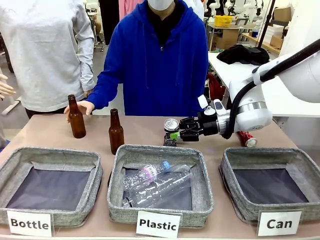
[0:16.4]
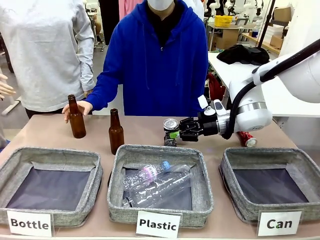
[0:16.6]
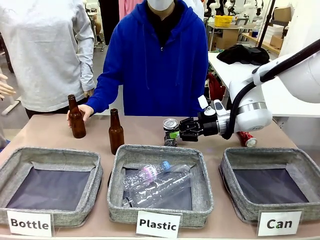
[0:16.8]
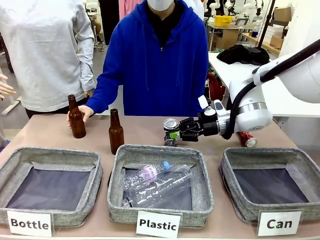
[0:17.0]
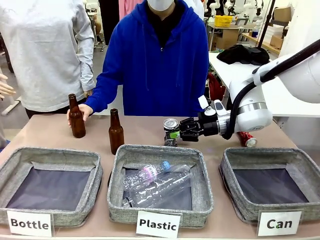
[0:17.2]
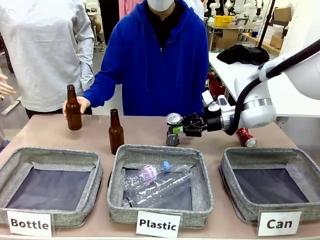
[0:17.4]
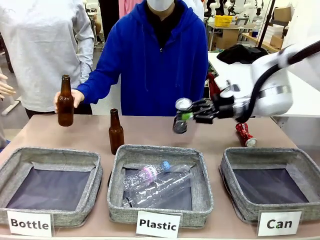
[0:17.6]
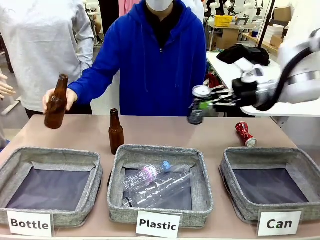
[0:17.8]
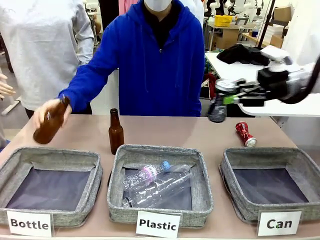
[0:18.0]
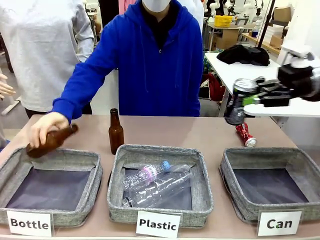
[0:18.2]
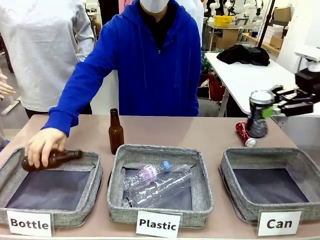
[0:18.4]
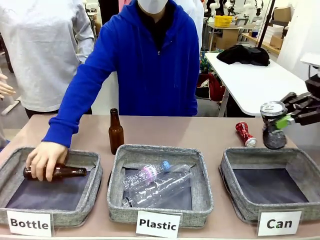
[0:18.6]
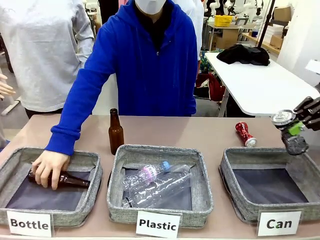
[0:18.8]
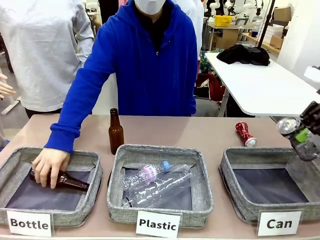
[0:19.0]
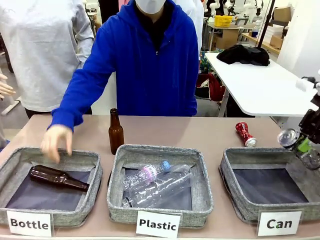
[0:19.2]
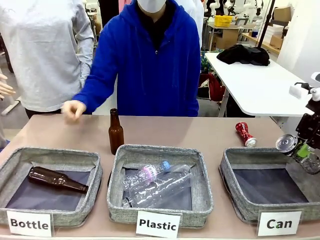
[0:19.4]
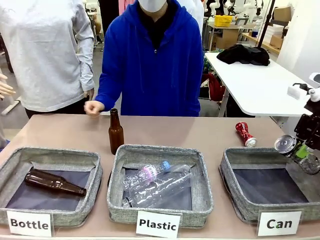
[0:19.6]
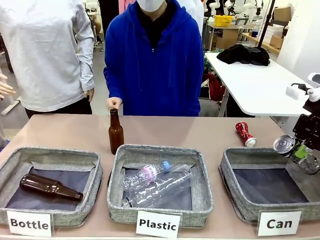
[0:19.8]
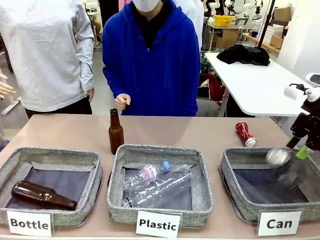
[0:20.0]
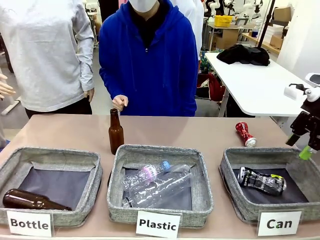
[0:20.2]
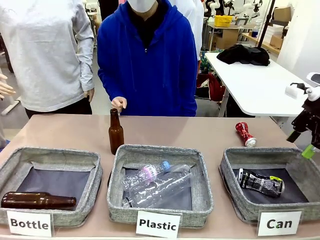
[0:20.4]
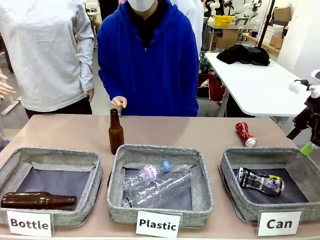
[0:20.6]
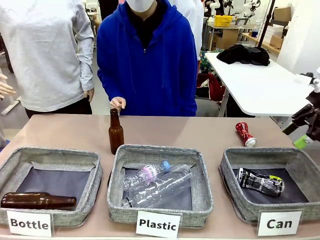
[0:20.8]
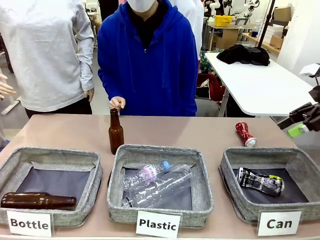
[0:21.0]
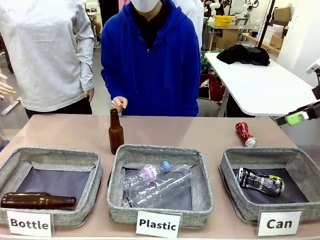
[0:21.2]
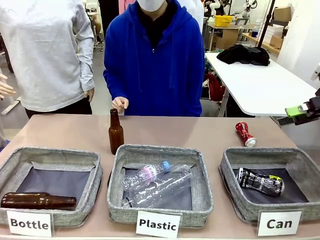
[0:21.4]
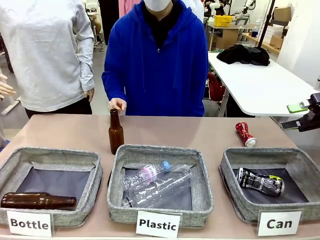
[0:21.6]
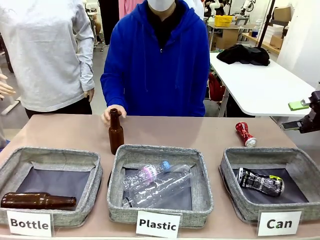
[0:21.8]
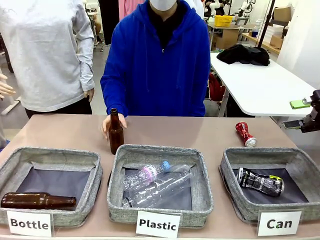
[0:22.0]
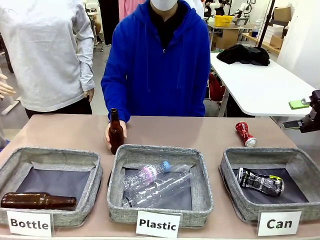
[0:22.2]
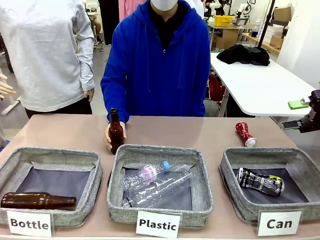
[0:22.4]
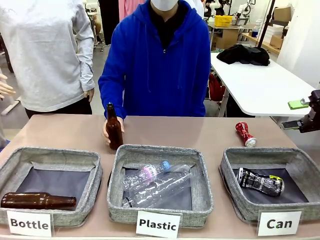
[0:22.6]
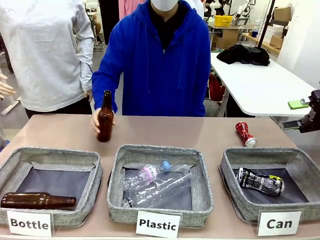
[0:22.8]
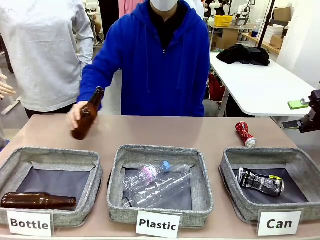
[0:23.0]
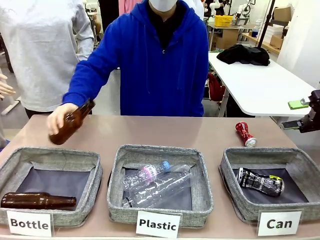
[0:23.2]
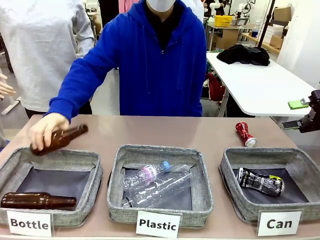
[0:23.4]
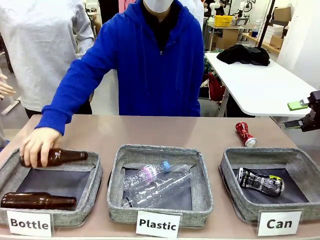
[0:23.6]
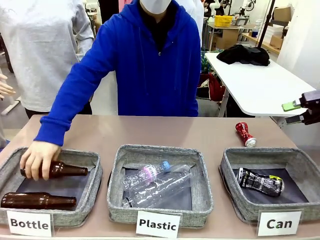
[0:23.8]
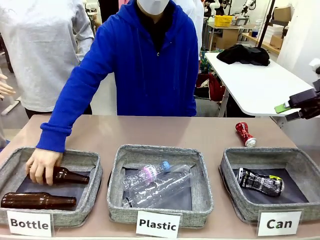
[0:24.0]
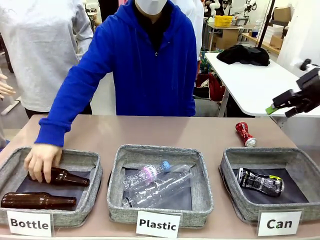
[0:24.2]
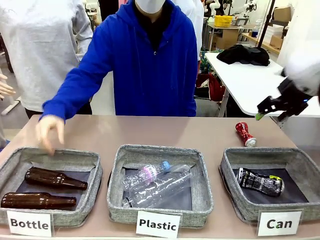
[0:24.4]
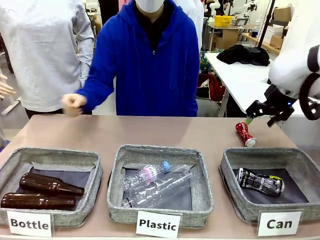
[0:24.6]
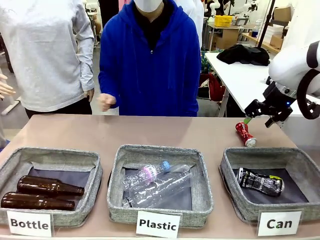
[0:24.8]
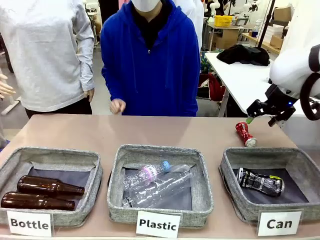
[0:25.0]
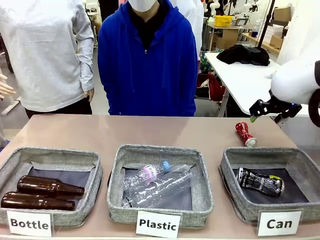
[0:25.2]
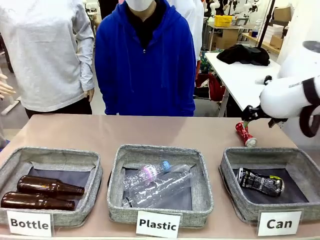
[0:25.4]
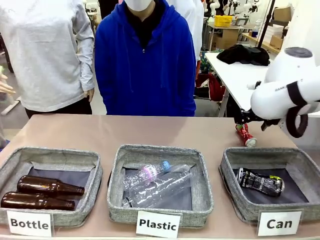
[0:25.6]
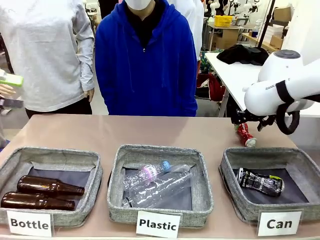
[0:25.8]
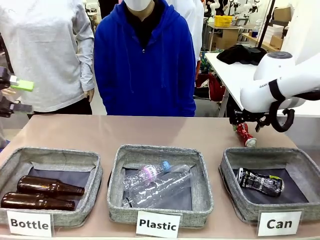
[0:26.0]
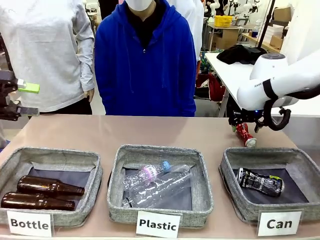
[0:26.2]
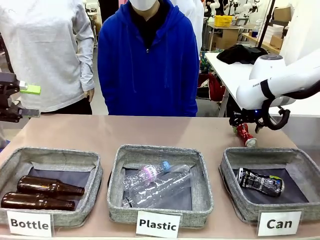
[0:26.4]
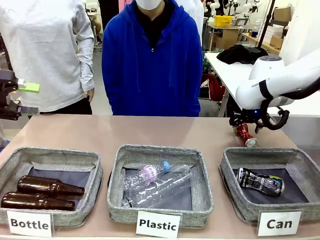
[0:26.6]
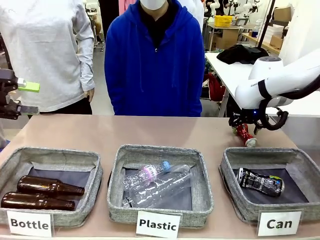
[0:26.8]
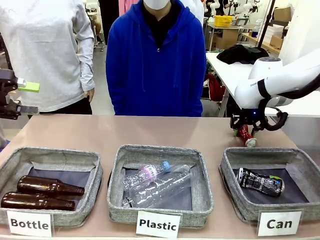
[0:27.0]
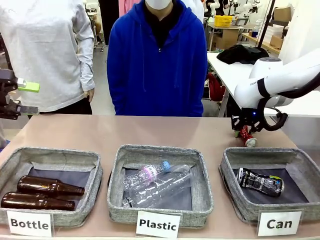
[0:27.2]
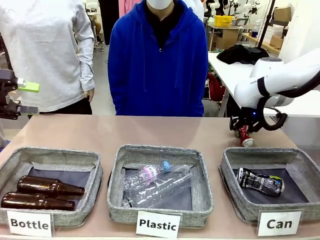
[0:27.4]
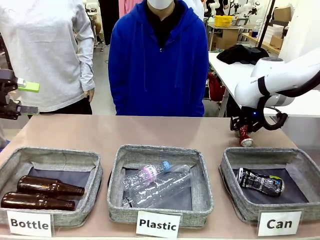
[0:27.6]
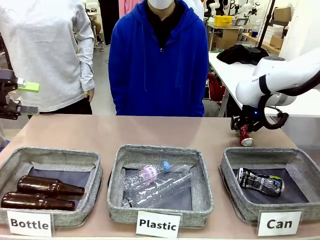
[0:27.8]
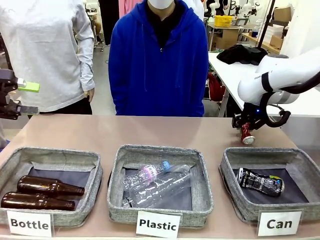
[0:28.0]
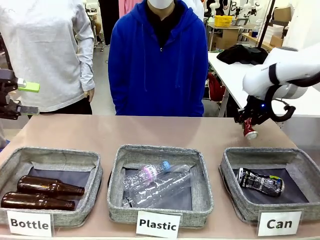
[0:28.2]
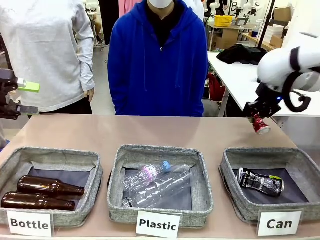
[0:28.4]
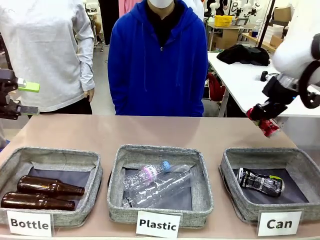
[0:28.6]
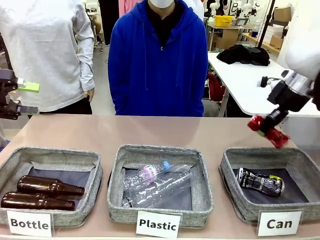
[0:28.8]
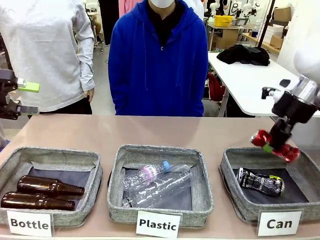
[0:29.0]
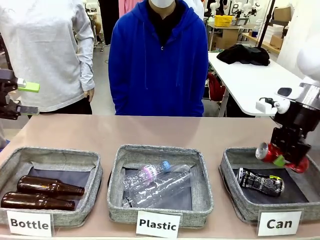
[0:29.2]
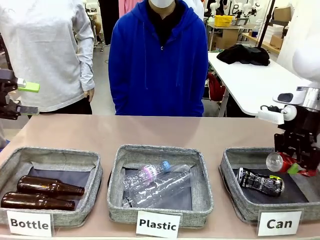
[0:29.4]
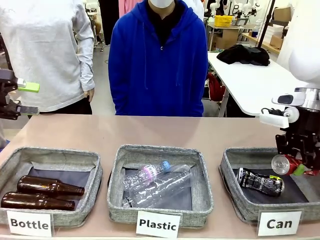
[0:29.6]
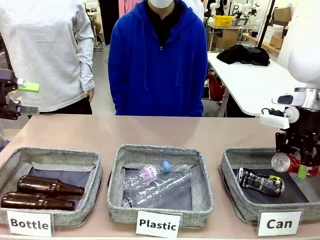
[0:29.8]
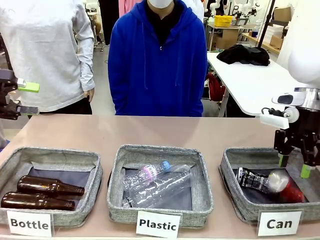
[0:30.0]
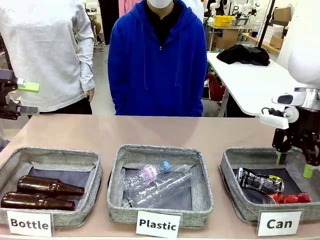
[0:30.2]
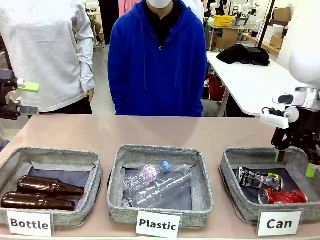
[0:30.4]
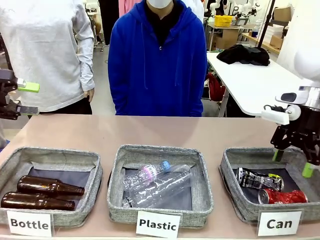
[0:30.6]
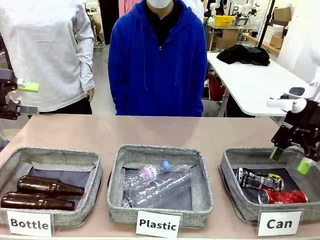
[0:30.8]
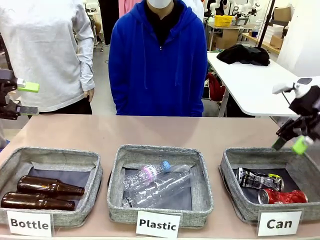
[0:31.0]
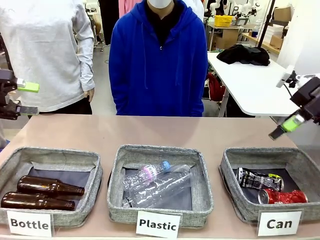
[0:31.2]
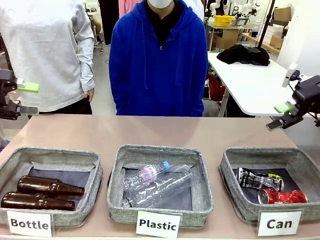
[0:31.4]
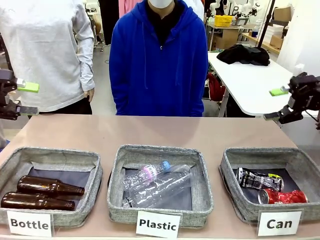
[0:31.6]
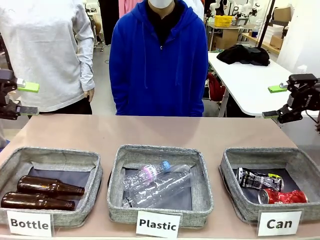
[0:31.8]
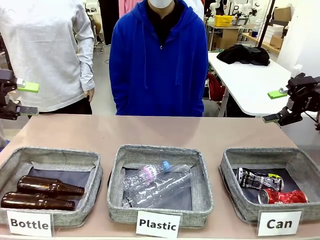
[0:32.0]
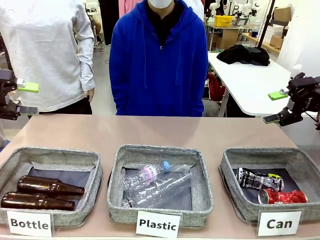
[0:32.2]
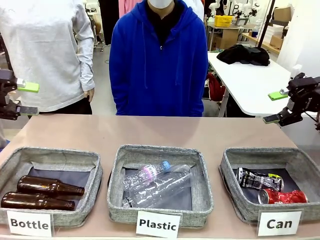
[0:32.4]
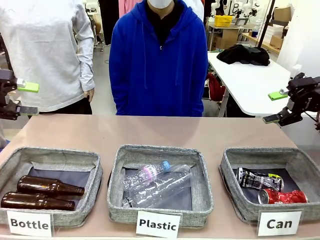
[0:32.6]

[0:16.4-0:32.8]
Task: Sort the can waste into the basket.
Robot: Pick up the can waste from the table and place it in the right Fabric basket.
